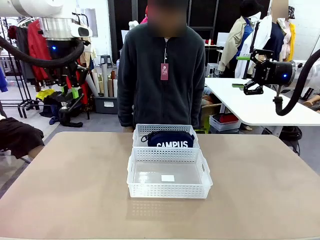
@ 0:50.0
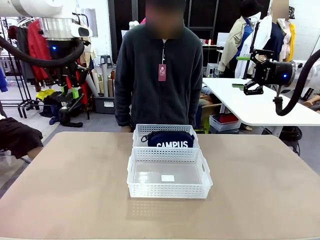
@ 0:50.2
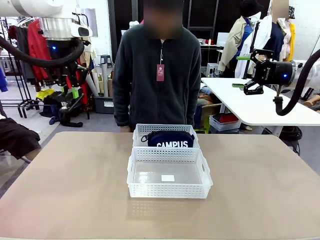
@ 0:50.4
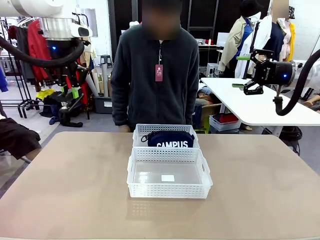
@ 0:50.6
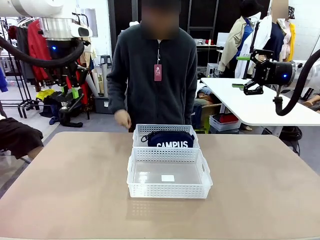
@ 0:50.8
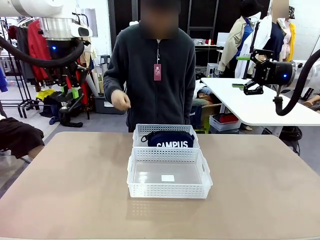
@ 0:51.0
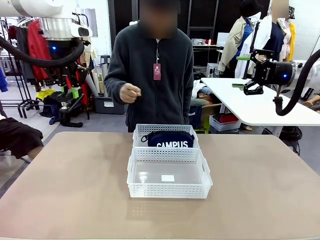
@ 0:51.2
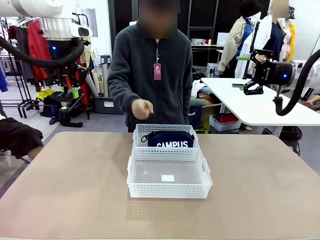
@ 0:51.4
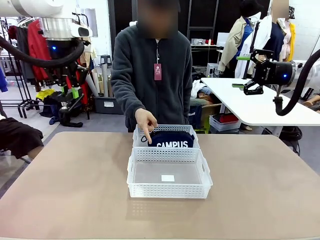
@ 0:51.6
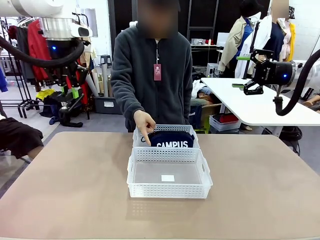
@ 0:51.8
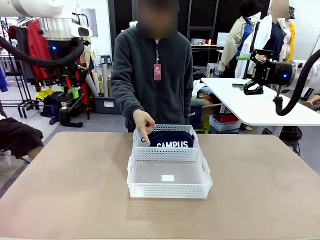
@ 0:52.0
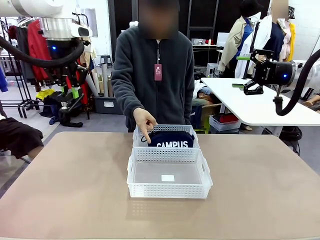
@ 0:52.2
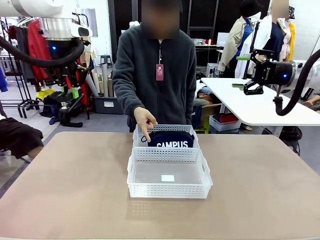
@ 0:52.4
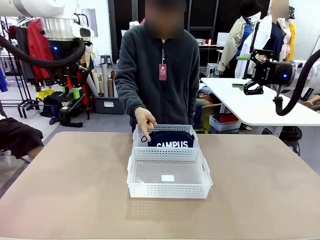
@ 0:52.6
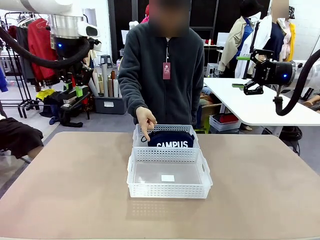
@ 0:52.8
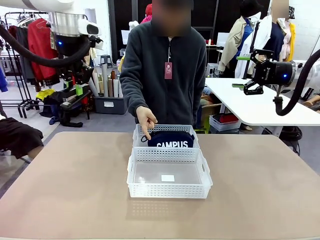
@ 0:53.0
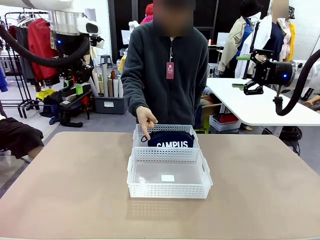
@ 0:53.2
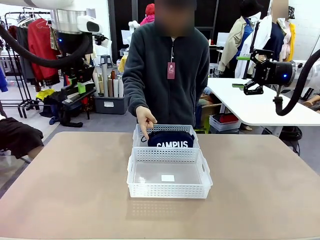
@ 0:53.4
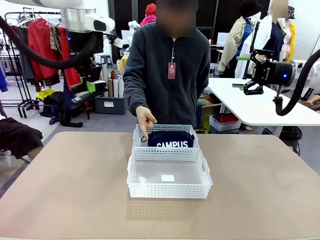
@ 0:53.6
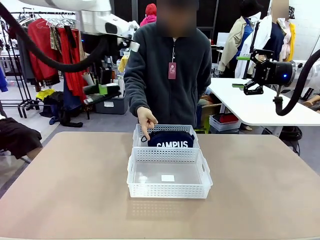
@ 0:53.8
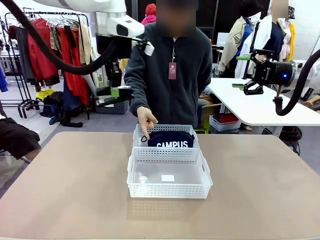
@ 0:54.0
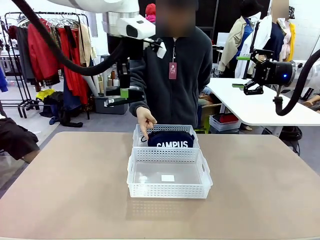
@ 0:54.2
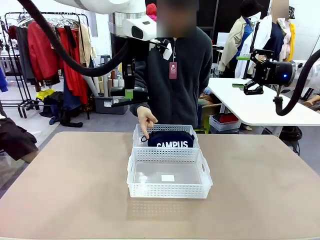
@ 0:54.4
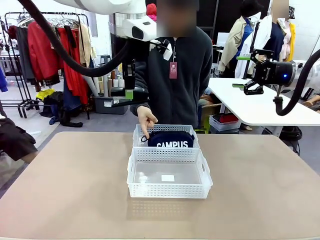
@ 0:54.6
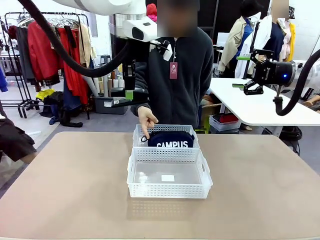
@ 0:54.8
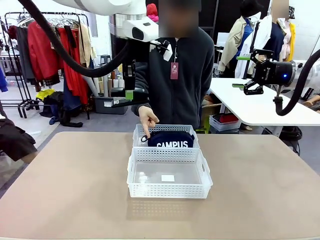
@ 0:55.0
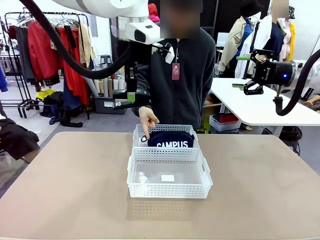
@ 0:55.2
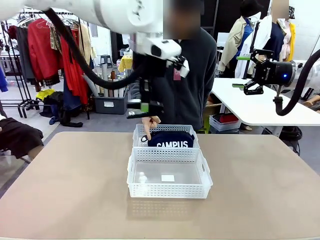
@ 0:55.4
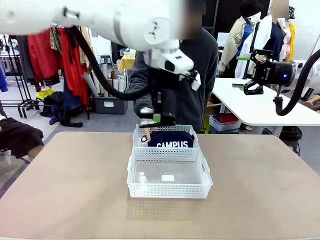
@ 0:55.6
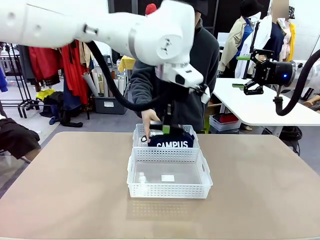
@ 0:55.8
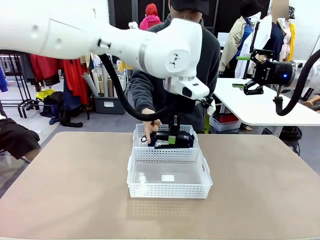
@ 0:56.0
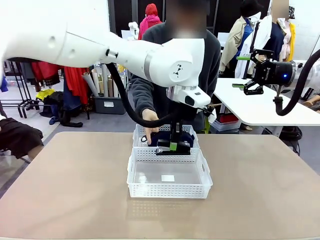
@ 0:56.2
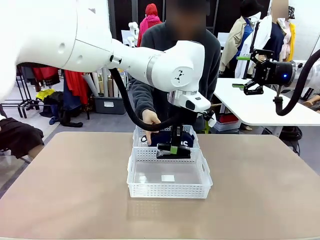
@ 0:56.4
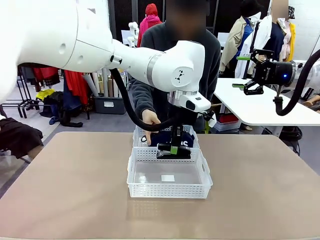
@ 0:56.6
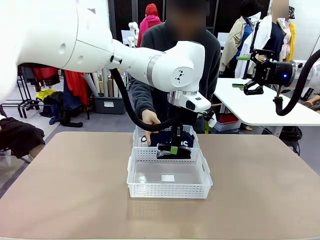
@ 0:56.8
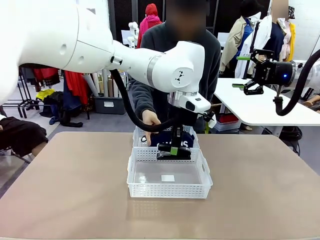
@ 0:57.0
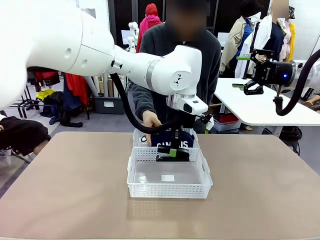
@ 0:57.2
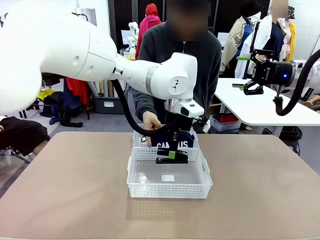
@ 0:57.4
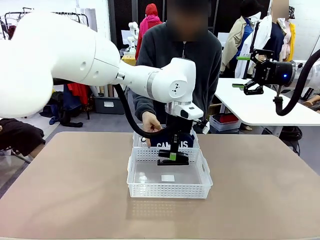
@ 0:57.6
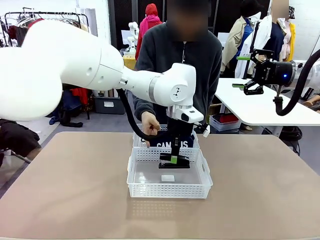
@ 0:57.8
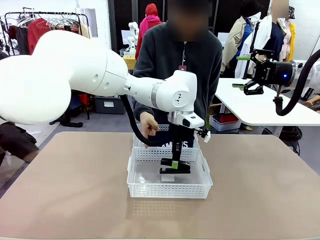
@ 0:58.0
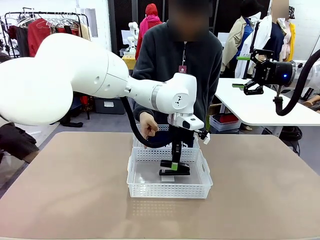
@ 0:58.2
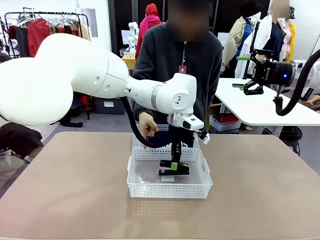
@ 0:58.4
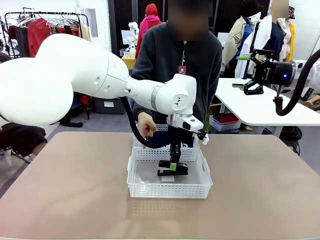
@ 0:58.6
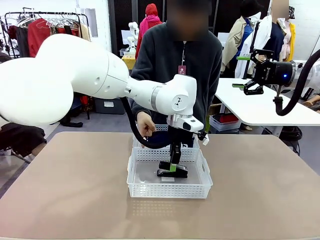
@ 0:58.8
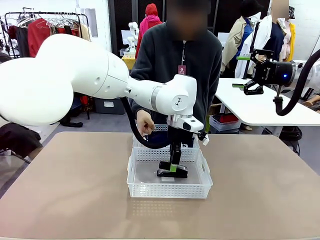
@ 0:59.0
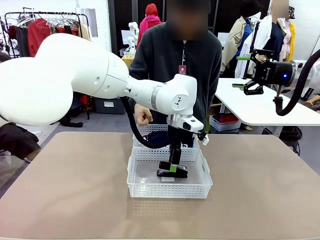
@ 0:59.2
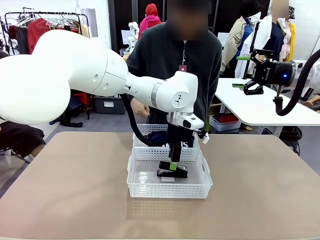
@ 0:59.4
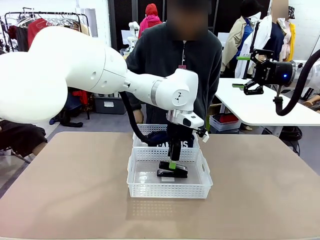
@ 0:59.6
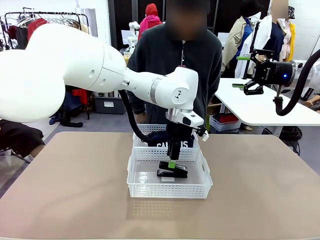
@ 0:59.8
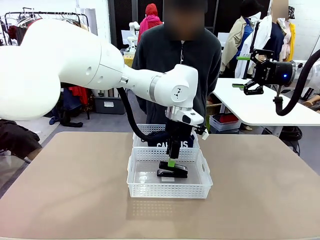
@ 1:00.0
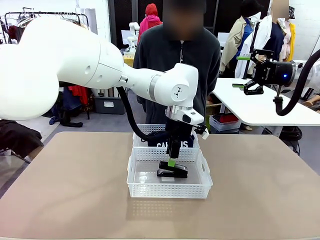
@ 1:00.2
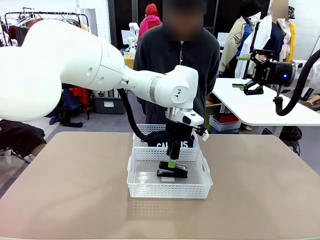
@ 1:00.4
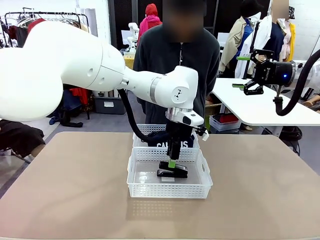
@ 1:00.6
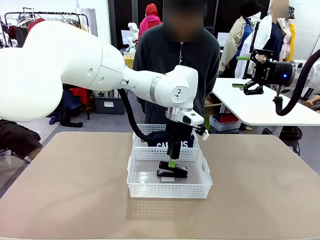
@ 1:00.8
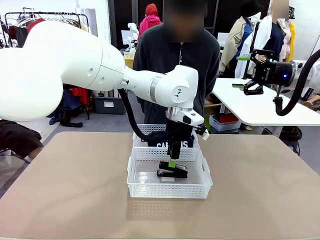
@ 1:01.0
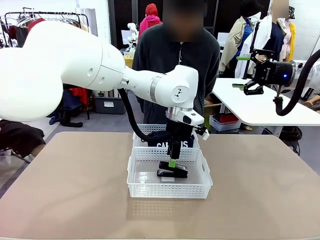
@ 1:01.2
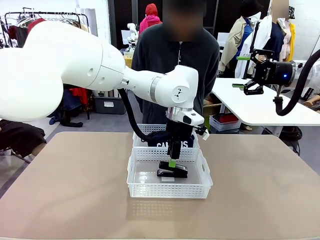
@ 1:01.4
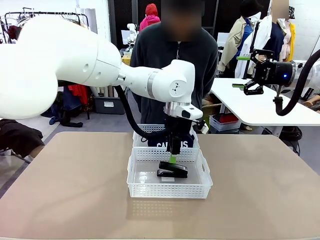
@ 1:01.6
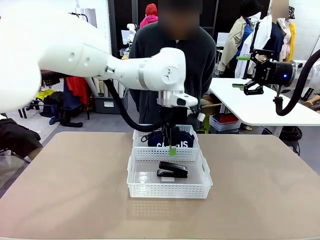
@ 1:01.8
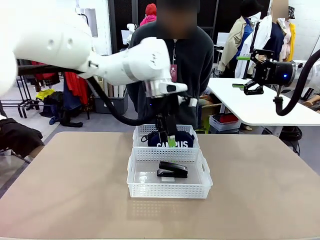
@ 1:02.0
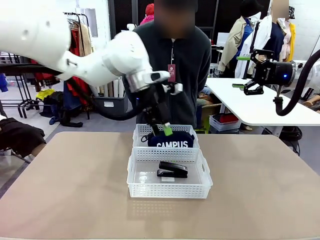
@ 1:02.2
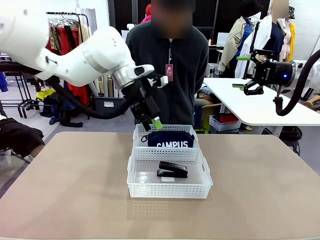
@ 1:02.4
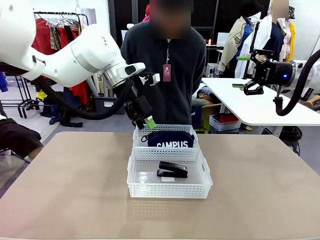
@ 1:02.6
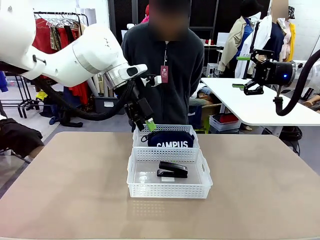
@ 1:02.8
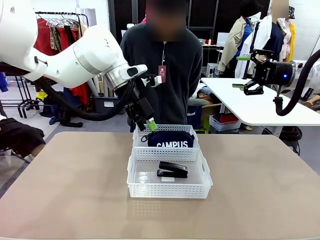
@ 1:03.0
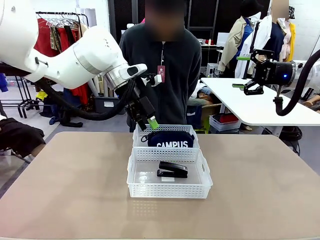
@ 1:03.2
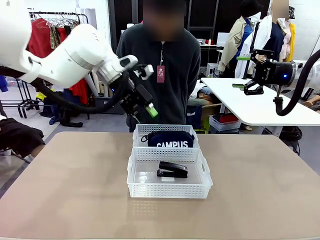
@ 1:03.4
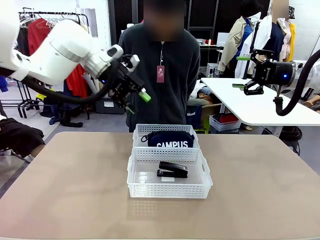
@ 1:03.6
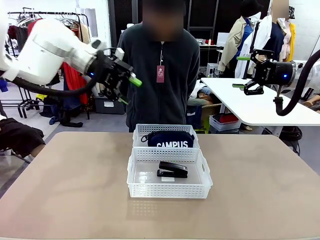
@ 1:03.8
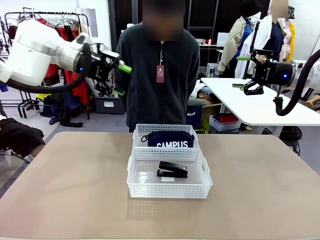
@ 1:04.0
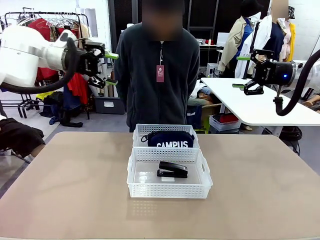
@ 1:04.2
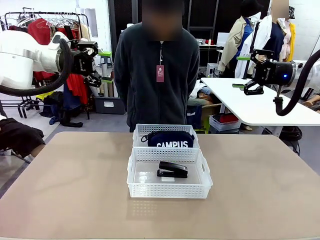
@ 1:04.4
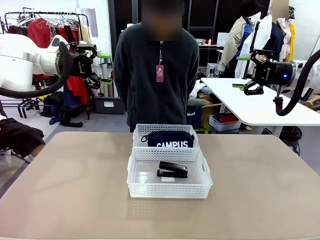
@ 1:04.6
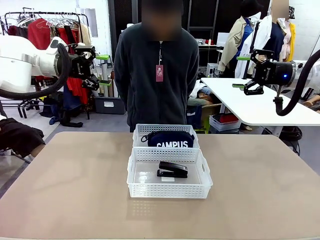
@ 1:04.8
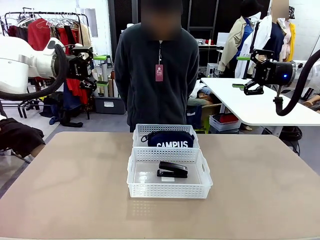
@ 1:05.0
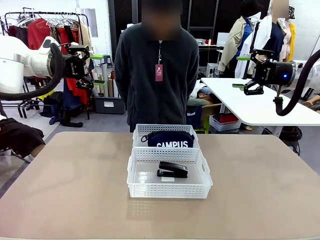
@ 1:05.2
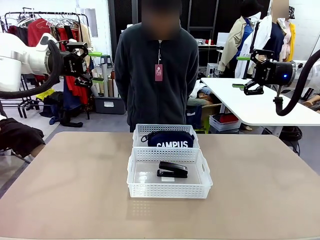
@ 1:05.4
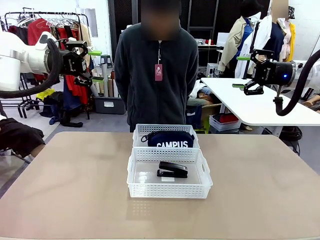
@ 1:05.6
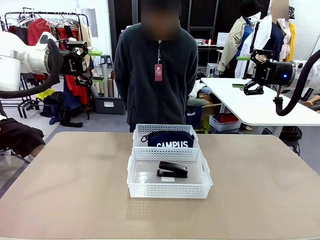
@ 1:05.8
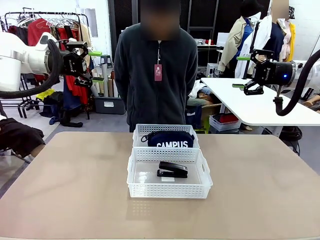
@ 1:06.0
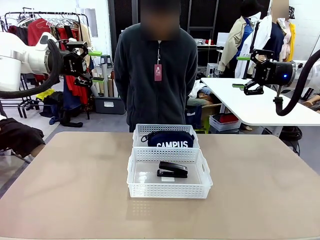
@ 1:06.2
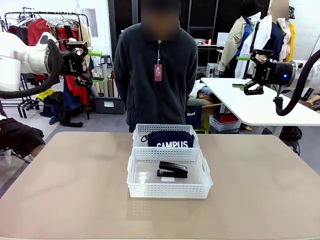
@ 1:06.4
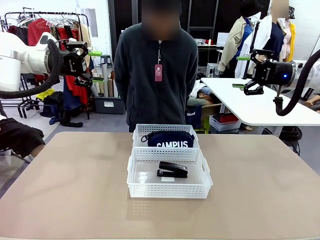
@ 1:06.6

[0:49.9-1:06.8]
Task: Distribute items into two baskets.
Robot: Place the picked Stapler into the Organizing basket as instructed by the person.
Person: Points to the basket that does not contain the pencil case and instructs the robot to move the stapler there.

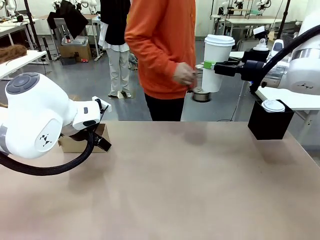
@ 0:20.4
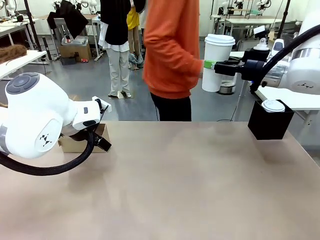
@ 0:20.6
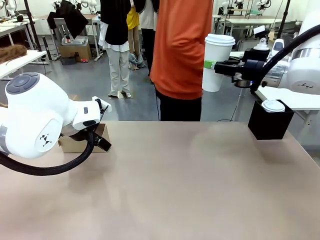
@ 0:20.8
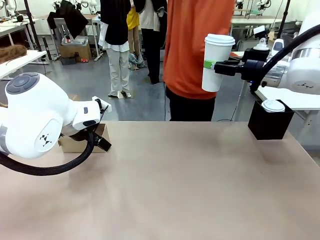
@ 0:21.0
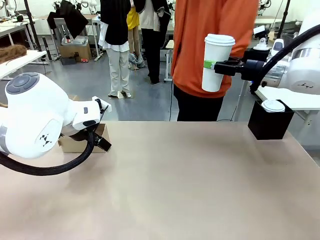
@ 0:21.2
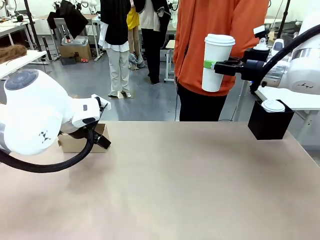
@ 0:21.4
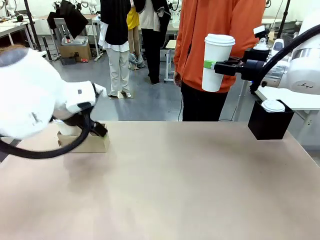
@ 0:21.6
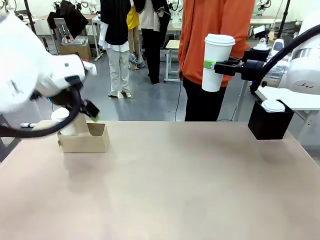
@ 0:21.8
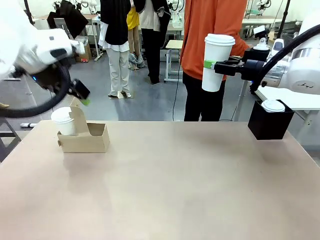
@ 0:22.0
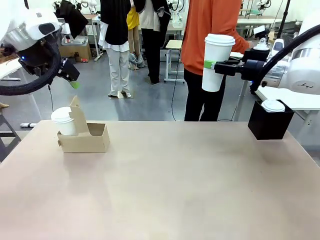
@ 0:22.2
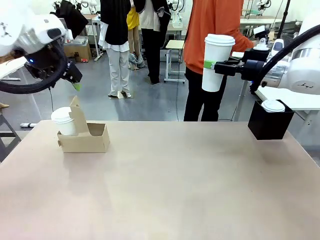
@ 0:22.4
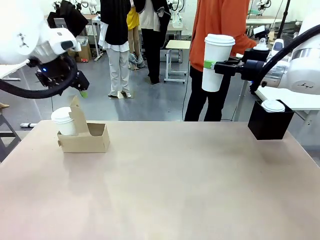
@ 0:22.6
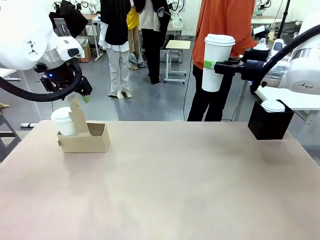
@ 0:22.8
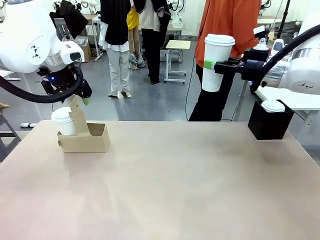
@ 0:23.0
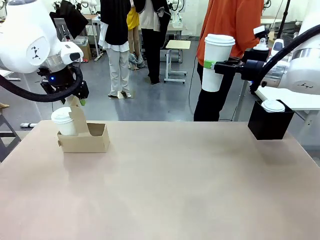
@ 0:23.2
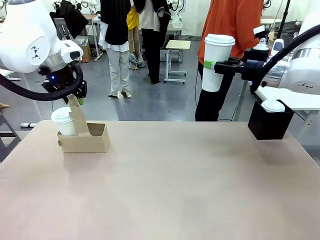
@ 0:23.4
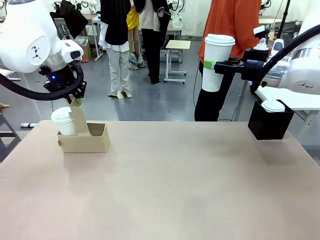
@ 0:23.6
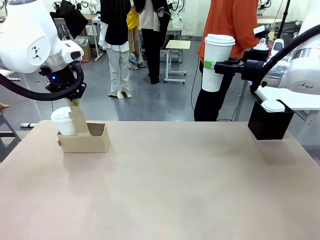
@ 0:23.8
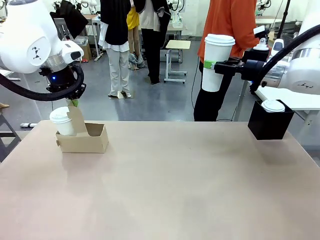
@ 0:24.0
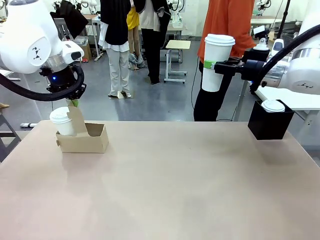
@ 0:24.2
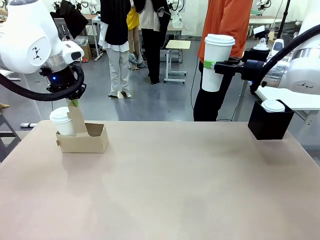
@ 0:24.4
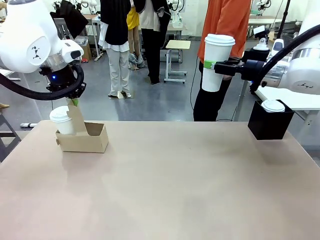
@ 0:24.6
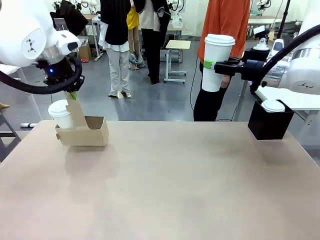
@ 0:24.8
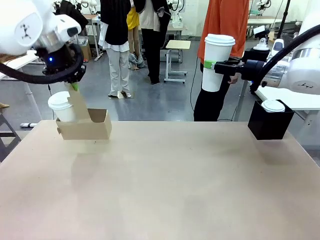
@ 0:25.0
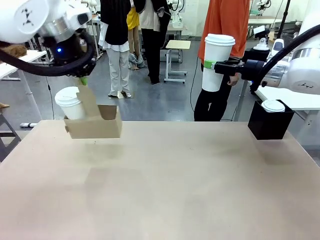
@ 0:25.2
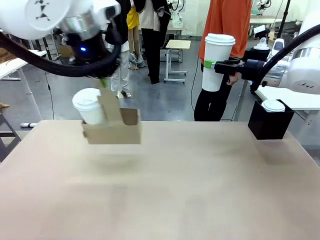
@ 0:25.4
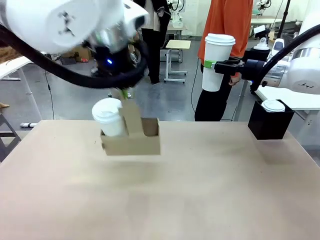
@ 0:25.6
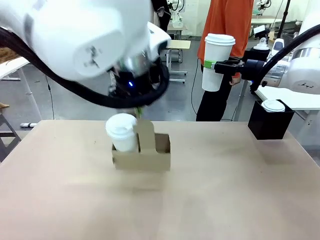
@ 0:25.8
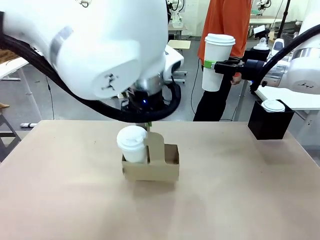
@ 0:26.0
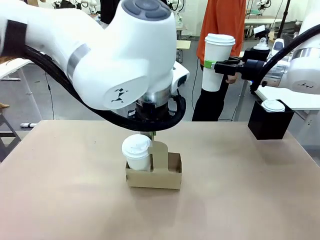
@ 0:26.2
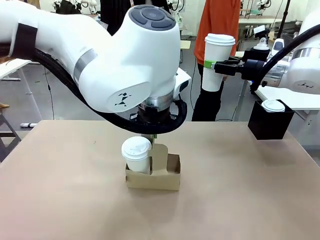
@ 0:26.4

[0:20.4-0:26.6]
Task: Pour a drink into a cup and package it in a carrier.
Robot: Position the Cup Carrier in the center of the table.
